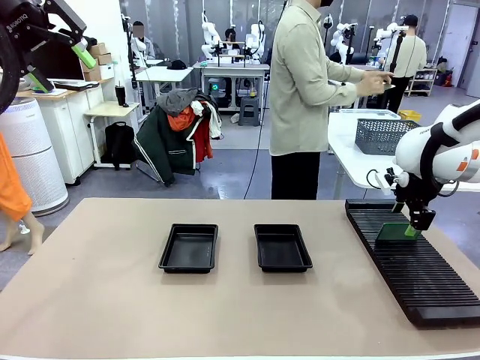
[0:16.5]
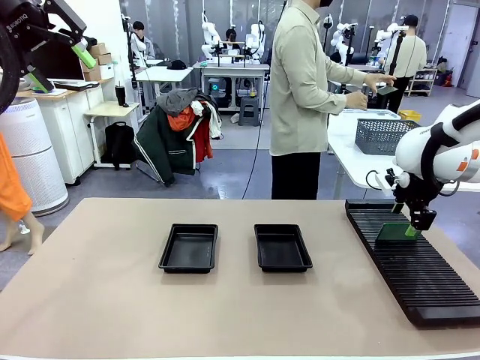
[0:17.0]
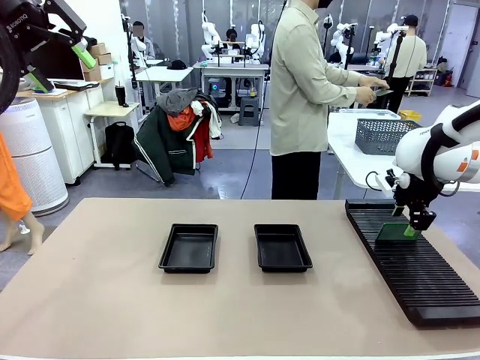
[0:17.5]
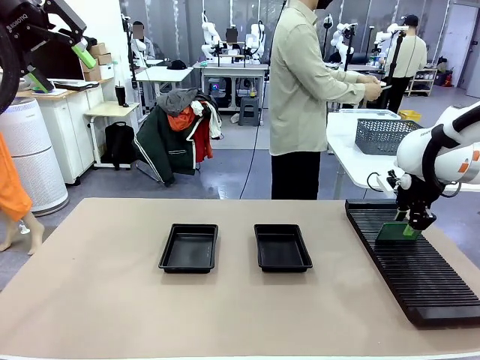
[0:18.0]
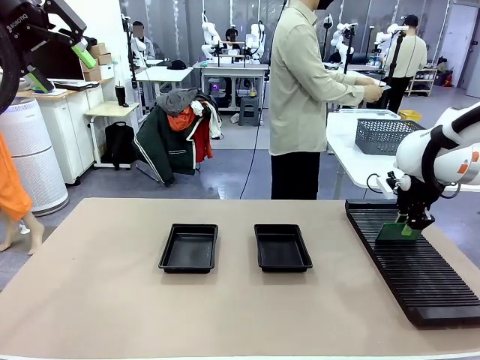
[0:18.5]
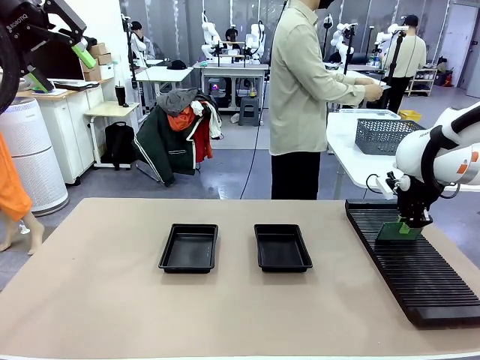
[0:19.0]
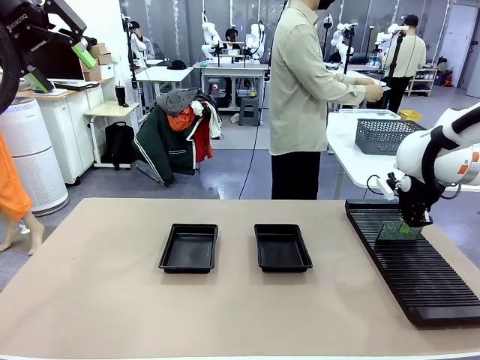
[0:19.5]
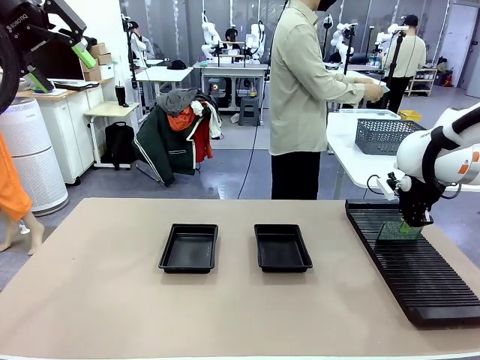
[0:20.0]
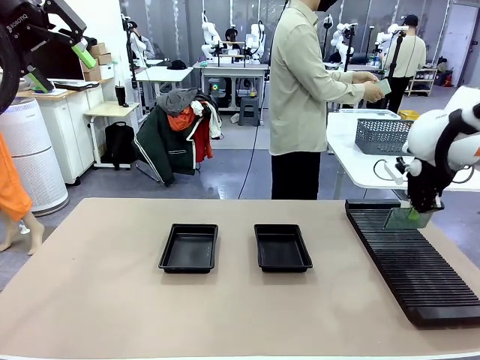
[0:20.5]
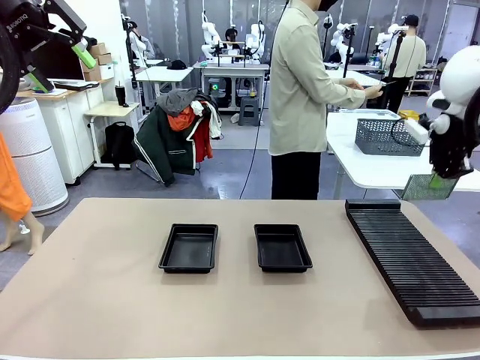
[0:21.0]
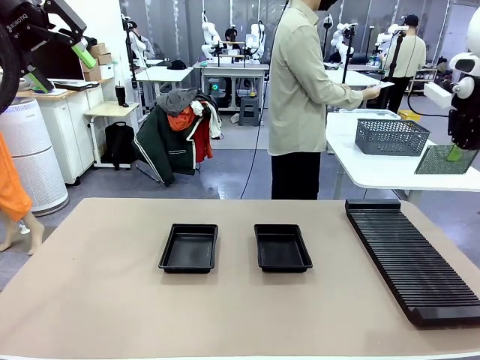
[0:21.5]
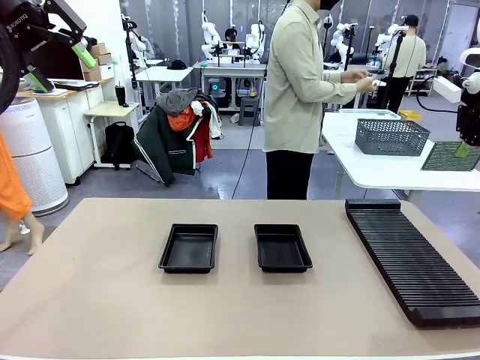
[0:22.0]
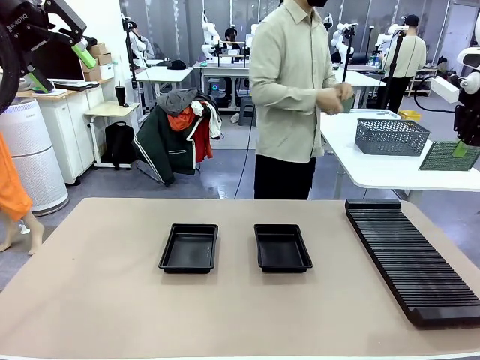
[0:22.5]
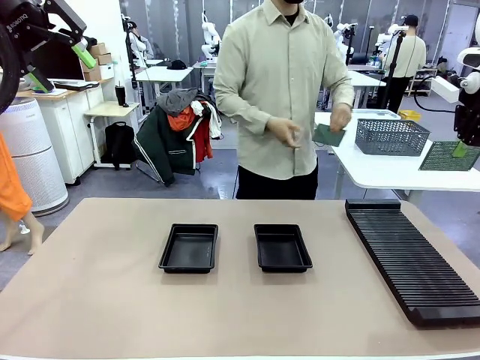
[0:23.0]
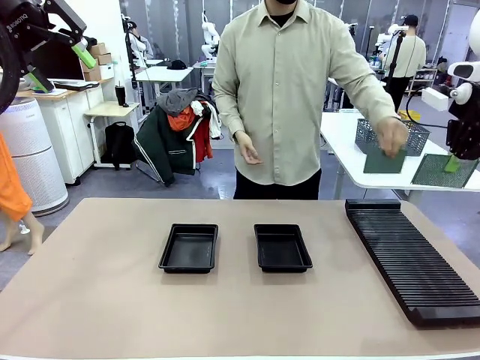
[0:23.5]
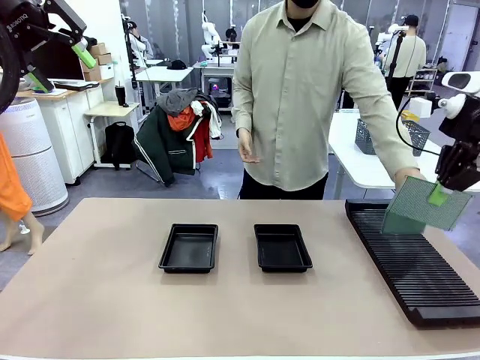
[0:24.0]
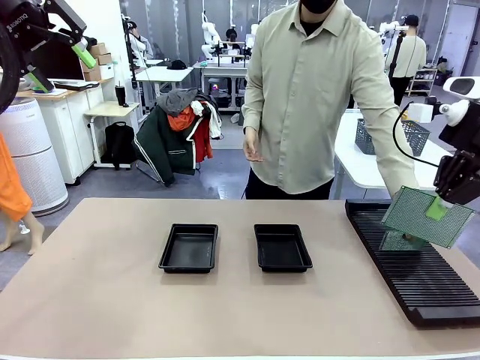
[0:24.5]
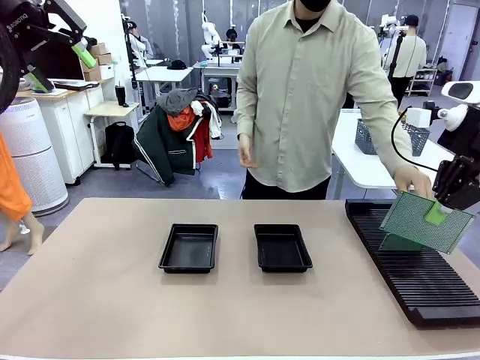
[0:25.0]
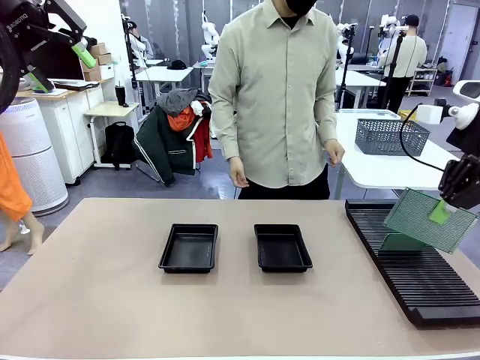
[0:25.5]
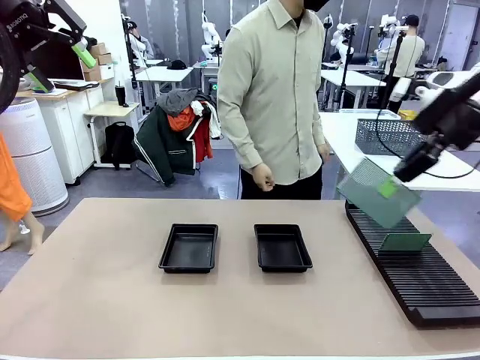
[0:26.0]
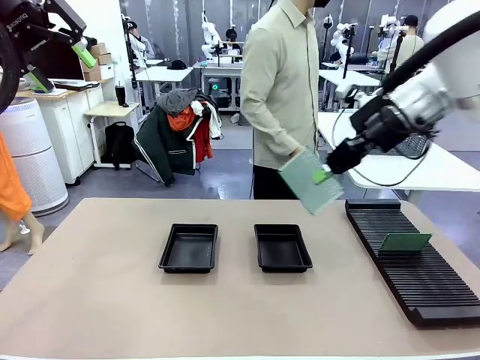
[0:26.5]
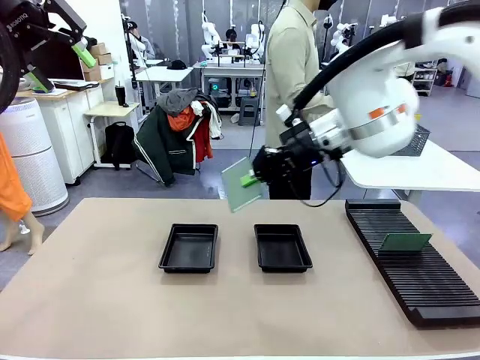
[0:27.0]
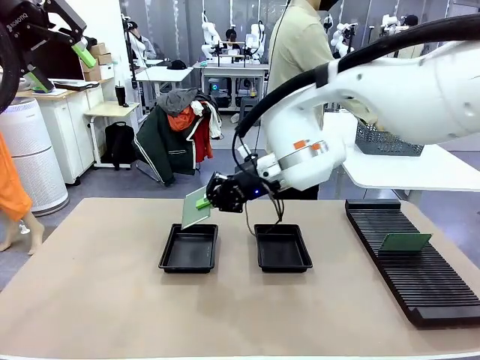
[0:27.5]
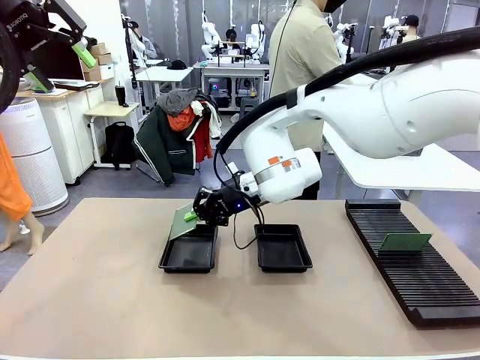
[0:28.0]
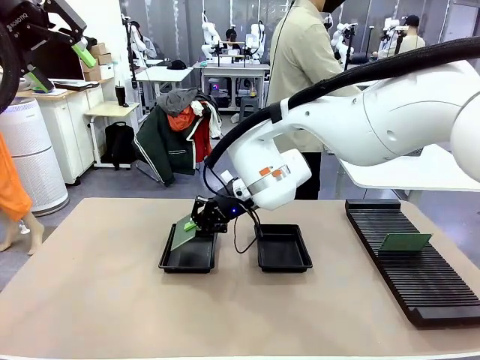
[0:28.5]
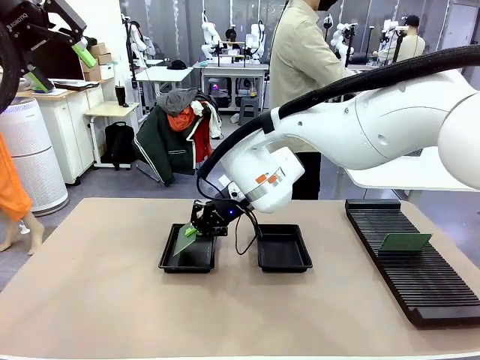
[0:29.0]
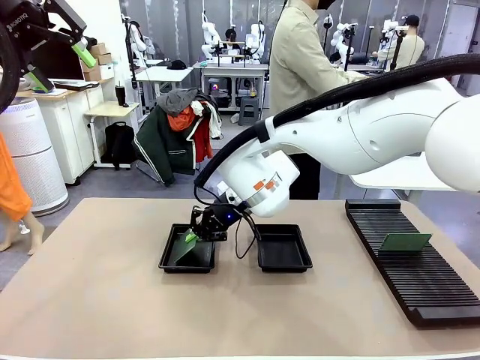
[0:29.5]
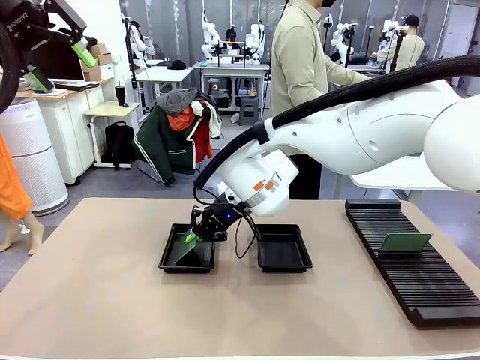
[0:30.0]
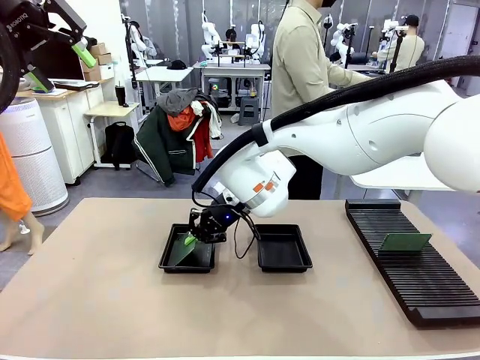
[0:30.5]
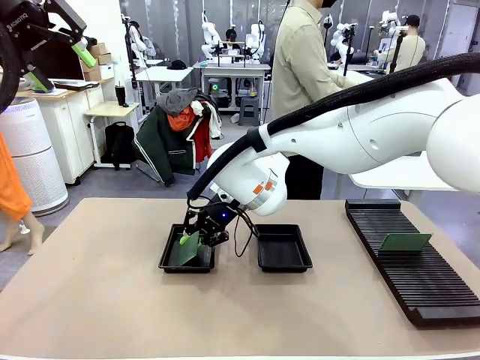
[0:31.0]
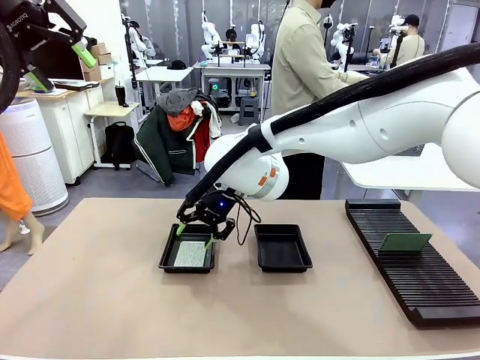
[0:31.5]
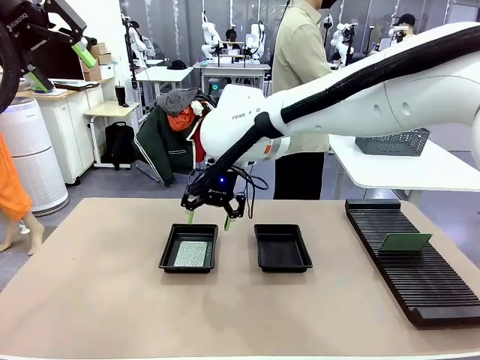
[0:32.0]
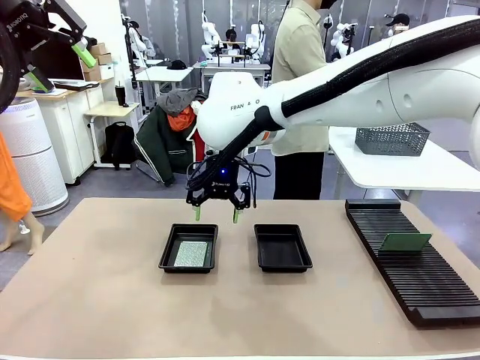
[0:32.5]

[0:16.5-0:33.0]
Task: Inspect and transfer BCBs to ESD trays.
Robot: Pick up the Blank PCB from the PCB Rack and place it in the left ESD tray.

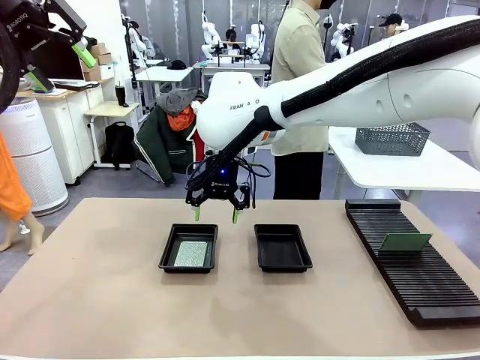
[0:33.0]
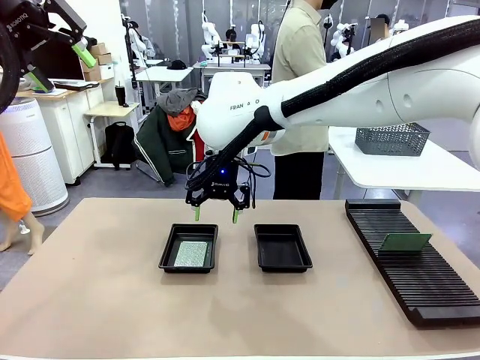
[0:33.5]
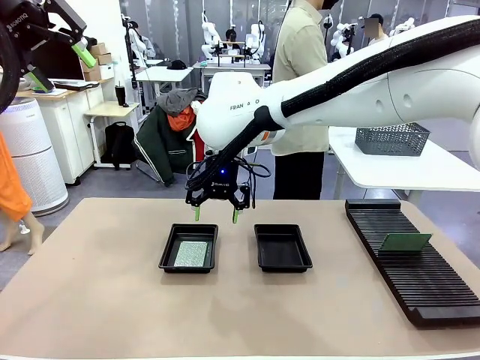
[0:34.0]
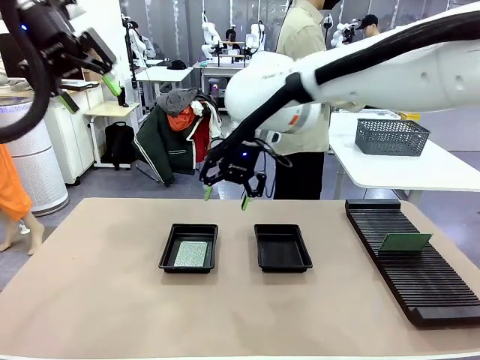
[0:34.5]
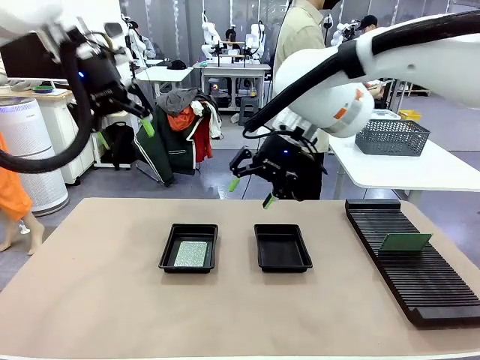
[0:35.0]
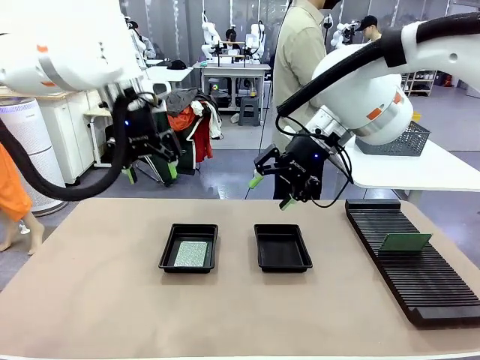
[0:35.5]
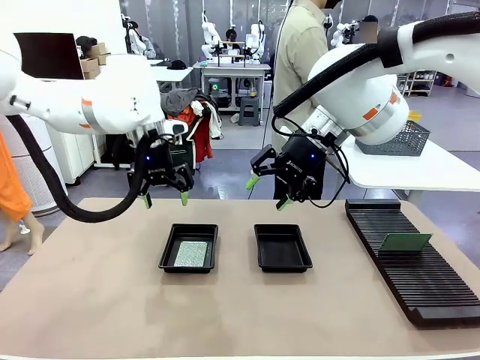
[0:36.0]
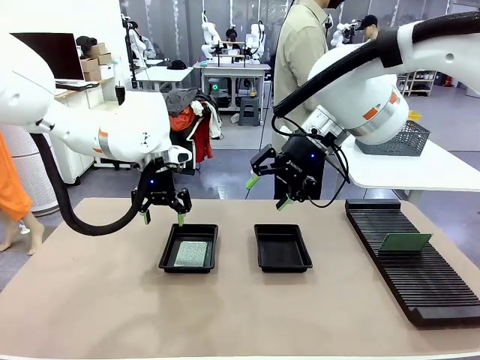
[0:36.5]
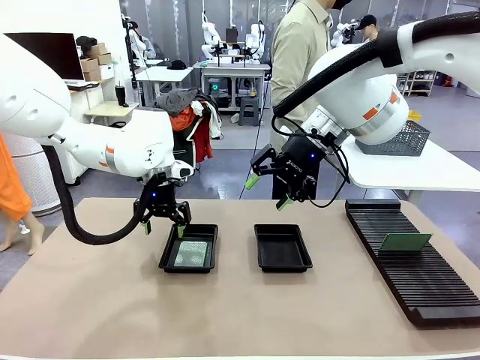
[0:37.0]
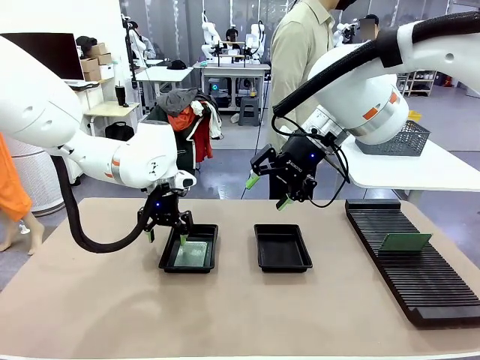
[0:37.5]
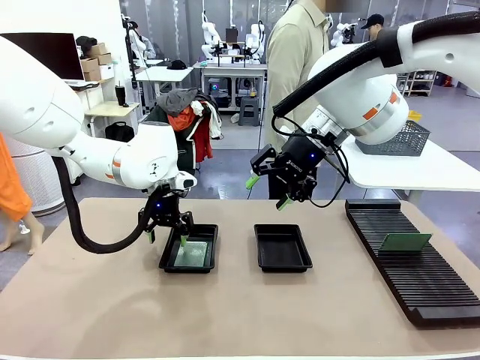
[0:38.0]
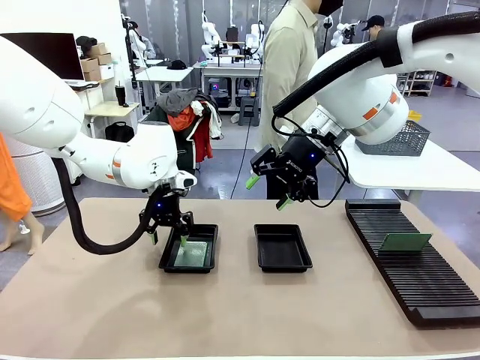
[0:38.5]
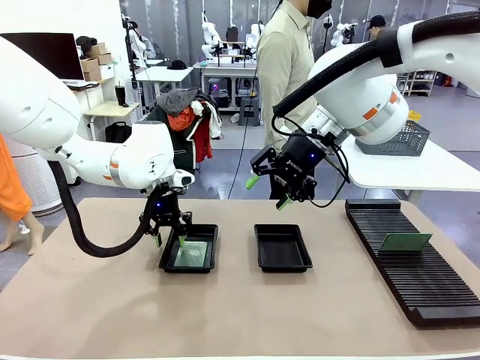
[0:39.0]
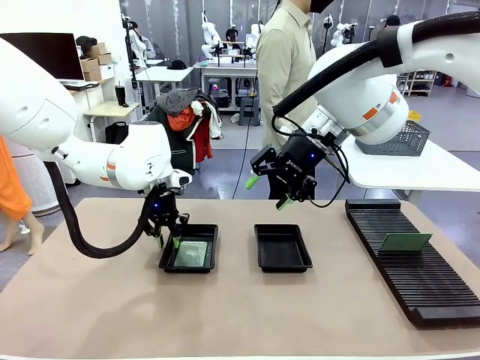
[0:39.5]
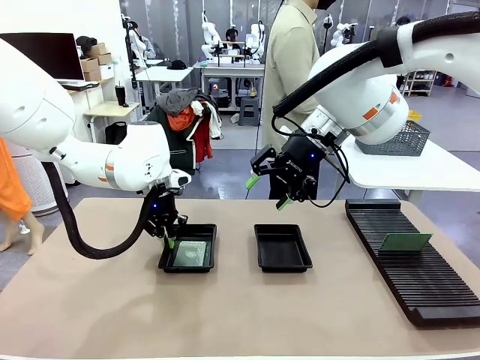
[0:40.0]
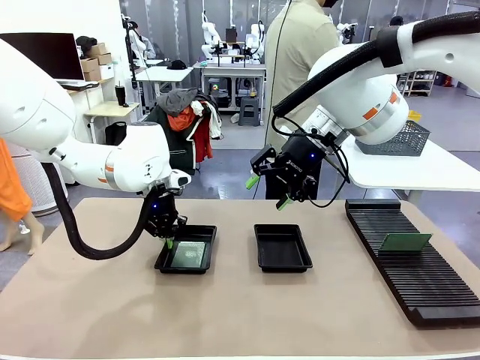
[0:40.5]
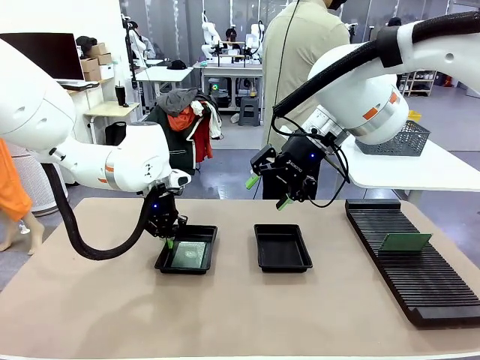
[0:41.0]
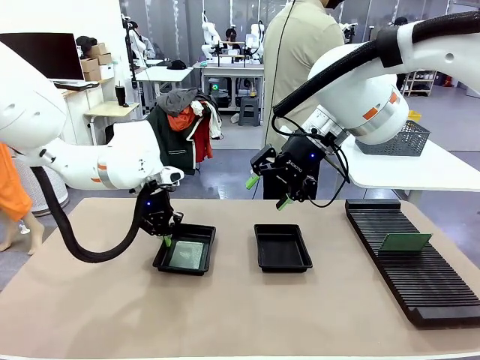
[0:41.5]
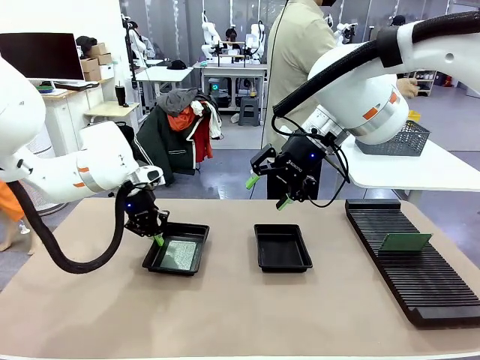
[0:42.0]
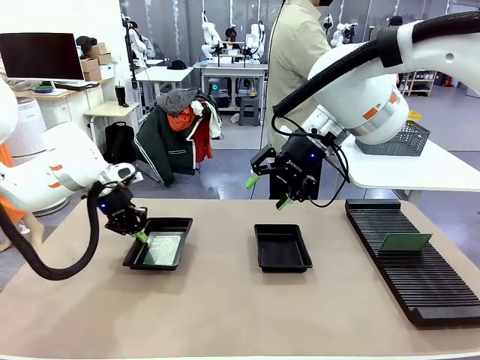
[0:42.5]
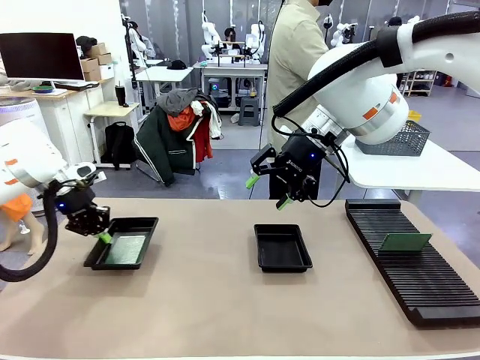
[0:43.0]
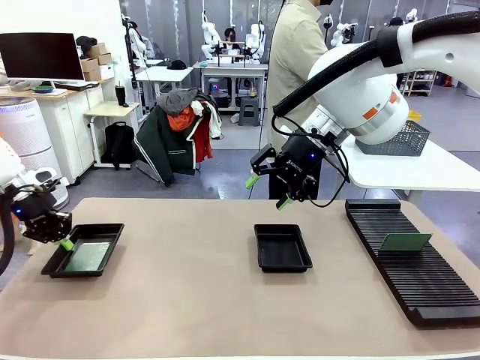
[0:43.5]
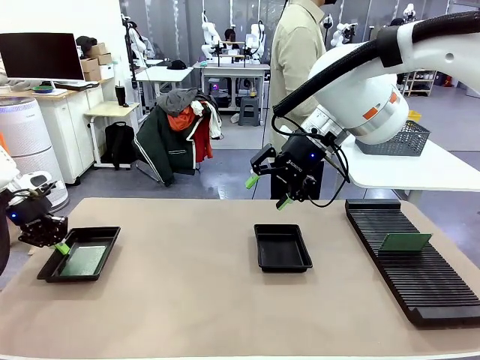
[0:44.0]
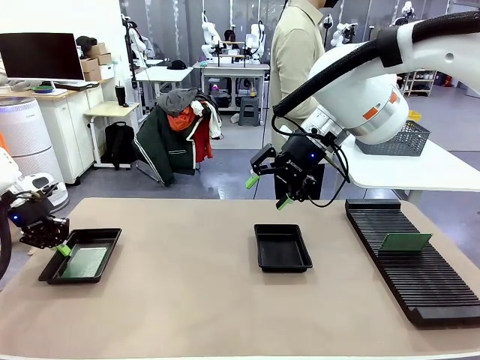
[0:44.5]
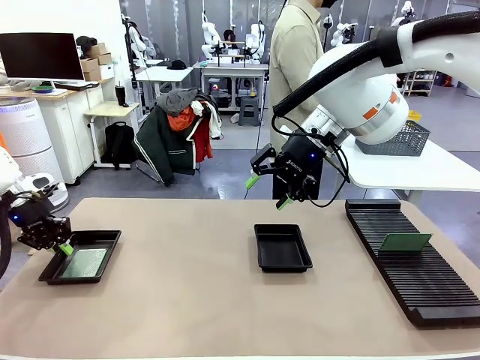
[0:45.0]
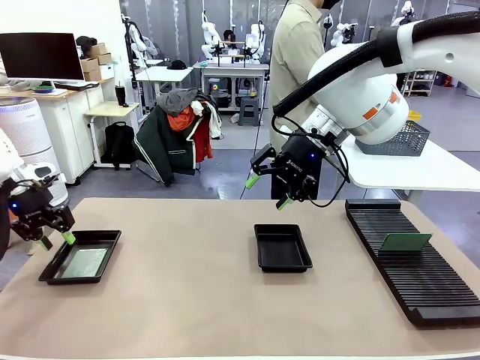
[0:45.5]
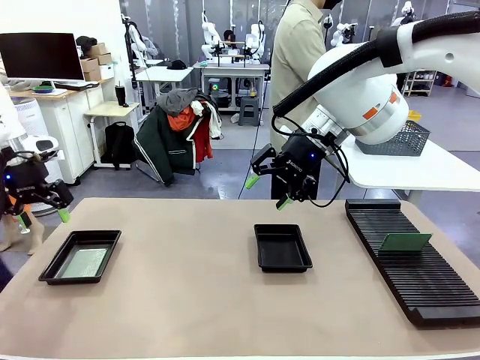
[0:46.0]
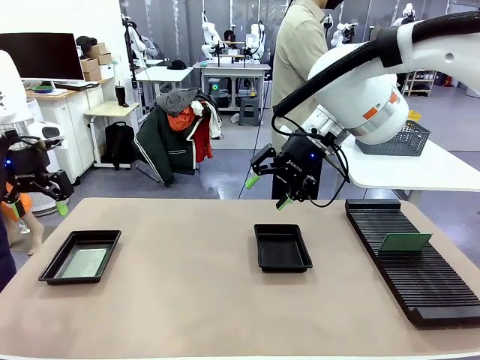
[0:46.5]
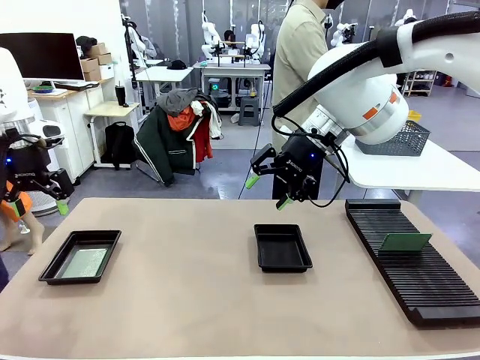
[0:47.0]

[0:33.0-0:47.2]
Robot: Pick up the ESD tray and place it on the left side of the table.
